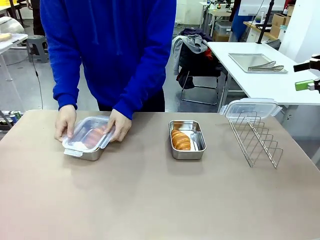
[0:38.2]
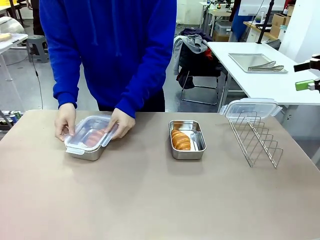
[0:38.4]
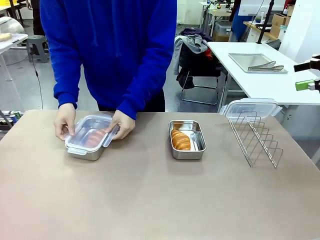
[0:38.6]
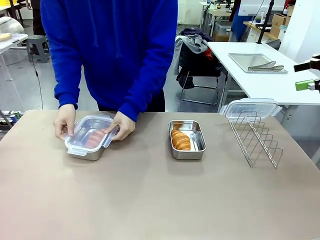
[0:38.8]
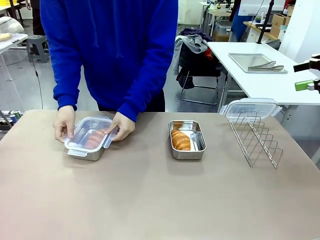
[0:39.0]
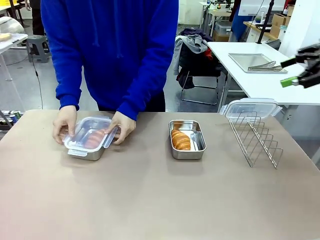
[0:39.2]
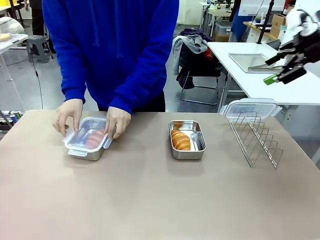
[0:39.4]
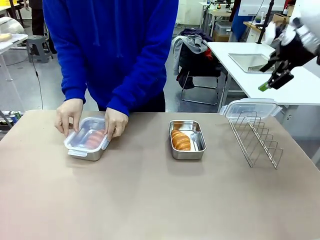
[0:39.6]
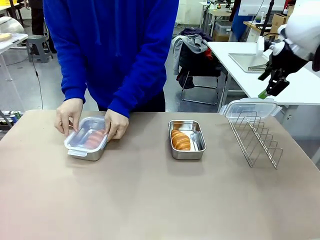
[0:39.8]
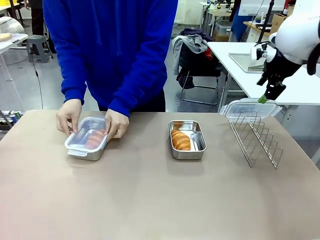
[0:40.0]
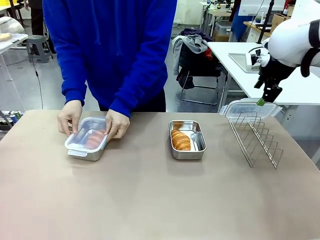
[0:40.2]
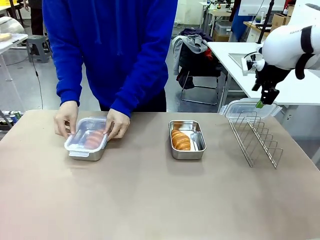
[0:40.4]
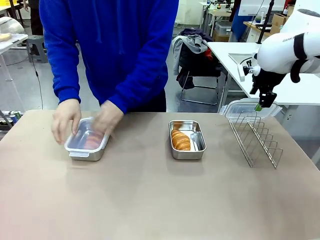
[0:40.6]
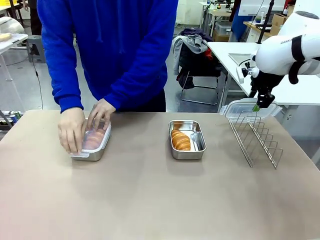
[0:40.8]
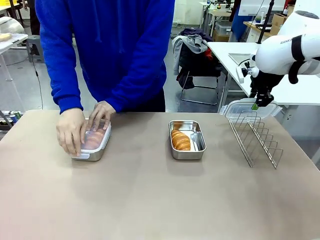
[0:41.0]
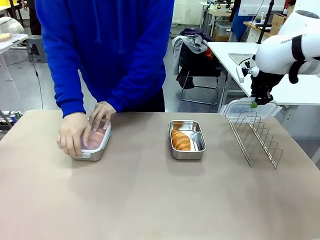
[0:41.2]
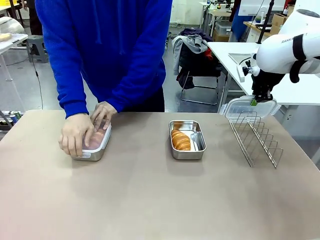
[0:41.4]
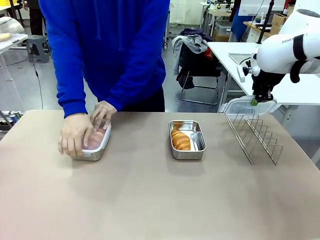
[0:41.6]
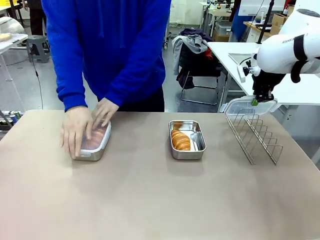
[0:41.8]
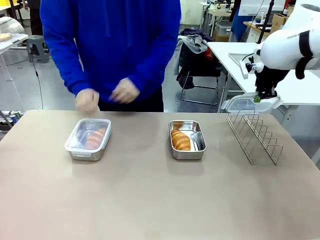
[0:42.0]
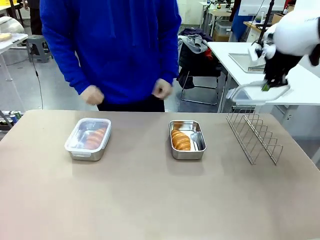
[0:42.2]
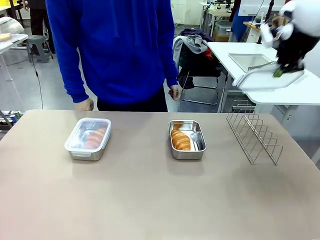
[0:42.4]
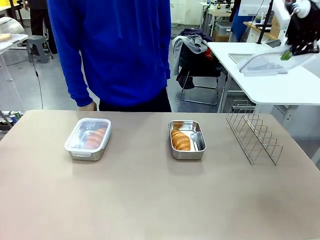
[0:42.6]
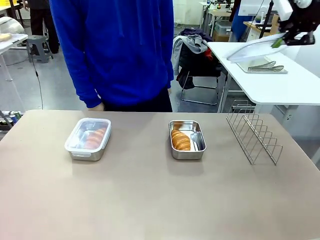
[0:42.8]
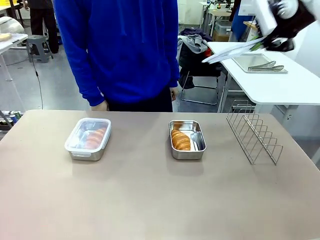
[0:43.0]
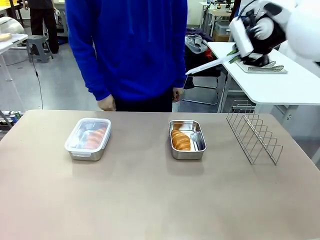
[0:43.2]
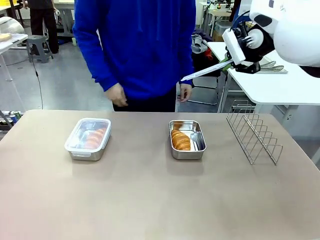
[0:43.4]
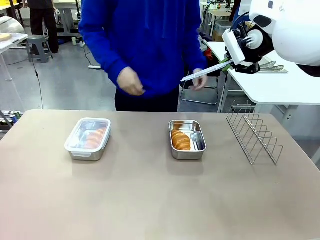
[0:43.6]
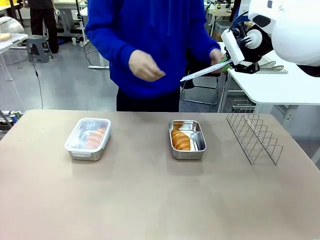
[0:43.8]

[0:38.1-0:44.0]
Task: Place the bread in airtight containers.
Robot: Pick up one Airtight Container lid and hand it to the human.
Person: Close Airtight Container with a handed Airtight Container lid. Grip Airtight Container lid that robot is handing.

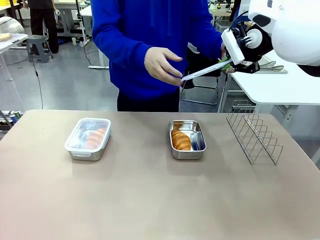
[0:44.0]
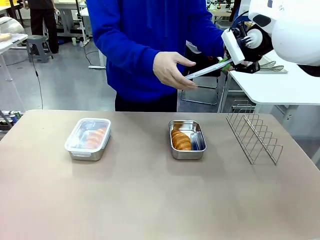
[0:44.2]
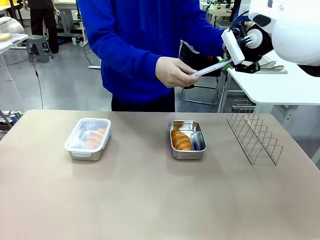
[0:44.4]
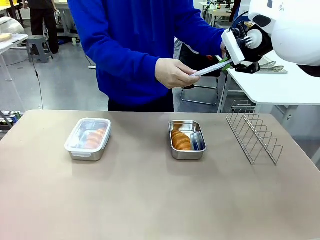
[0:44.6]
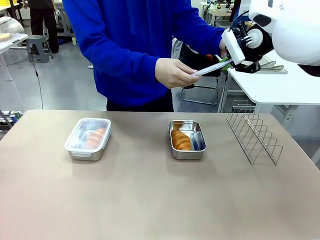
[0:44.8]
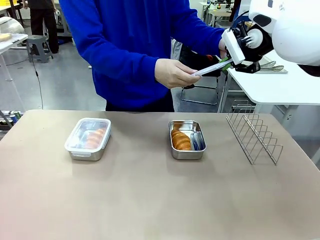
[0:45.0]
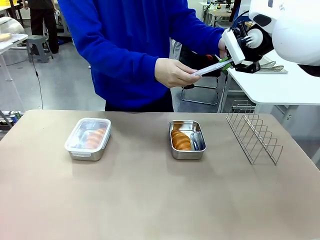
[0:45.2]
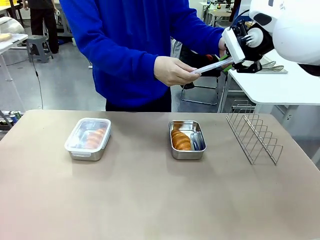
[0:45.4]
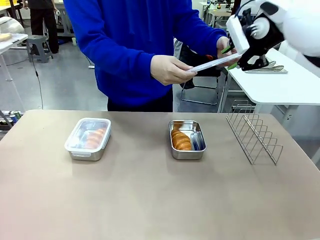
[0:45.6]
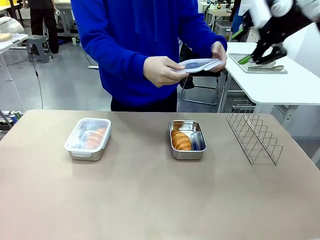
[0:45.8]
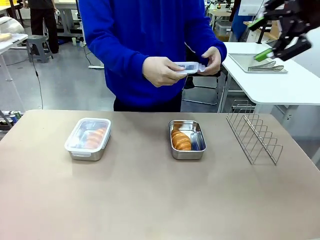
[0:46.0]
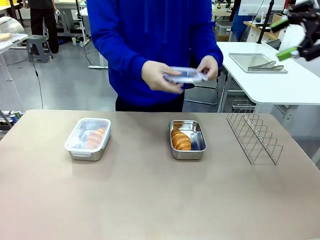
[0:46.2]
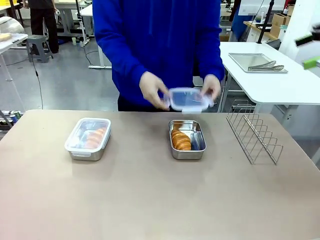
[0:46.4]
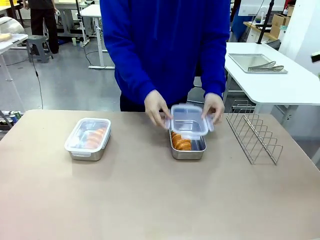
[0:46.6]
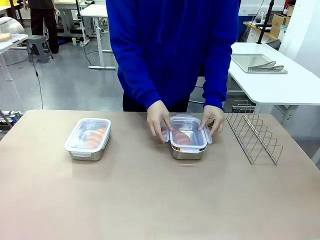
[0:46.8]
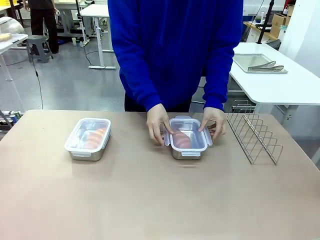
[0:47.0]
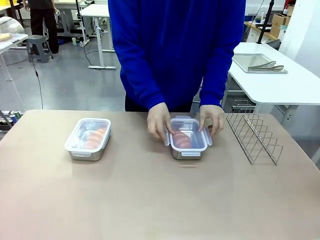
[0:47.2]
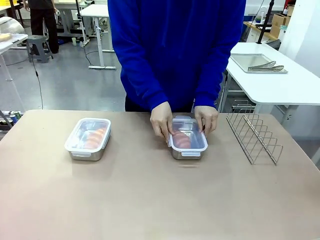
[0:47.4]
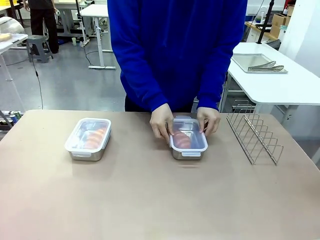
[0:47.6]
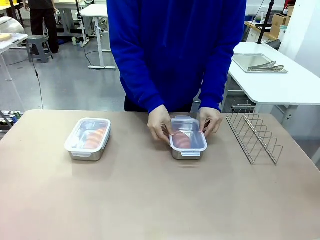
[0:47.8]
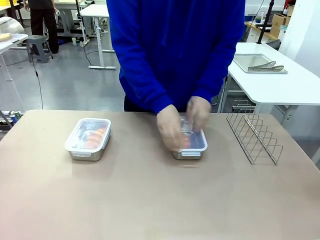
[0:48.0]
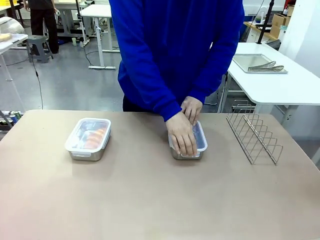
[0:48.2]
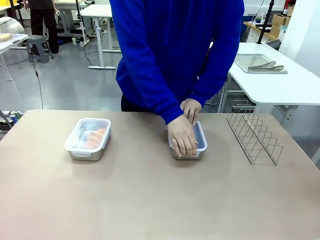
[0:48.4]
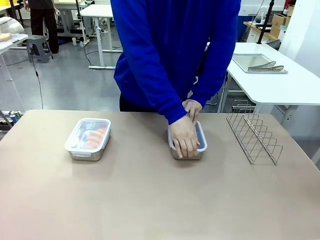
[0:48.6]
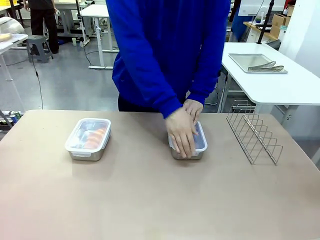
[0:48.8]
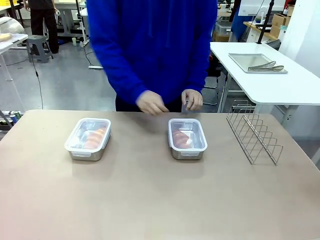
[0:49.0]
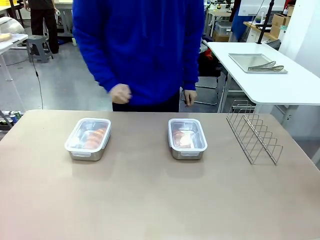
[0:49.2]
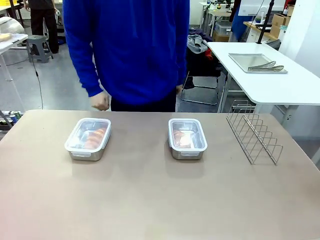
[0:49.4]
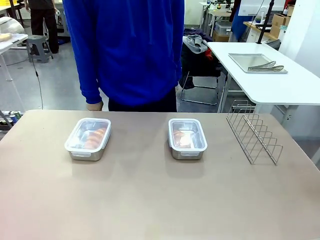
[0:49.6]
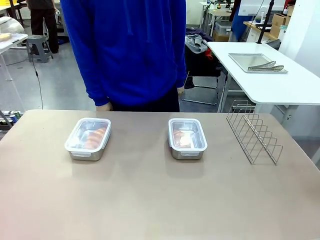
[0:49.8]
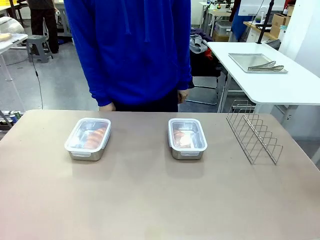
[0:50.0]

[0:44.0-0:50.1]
Robot: Release when the human grabs the Airtight Container lid.
Person: Close Airtight Container with a handed Airtight Container lid.

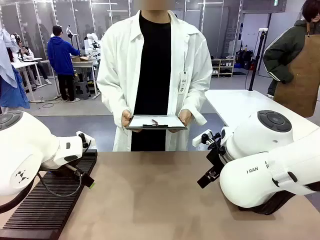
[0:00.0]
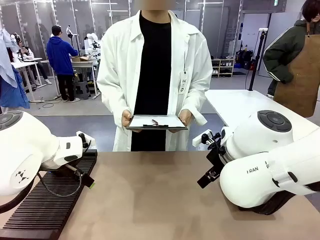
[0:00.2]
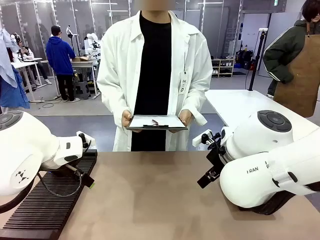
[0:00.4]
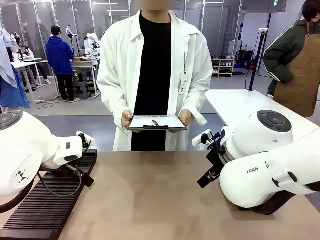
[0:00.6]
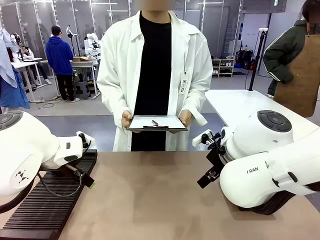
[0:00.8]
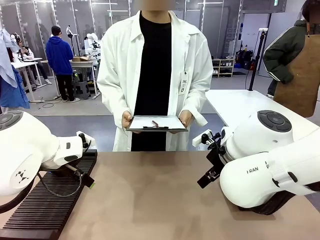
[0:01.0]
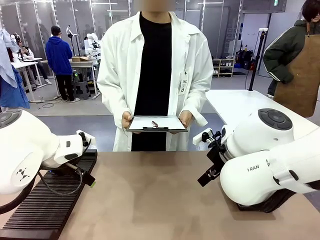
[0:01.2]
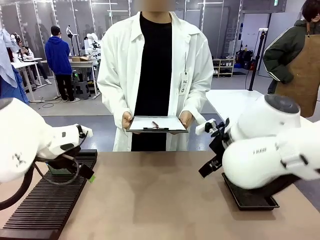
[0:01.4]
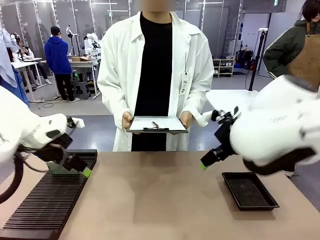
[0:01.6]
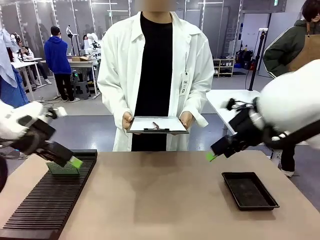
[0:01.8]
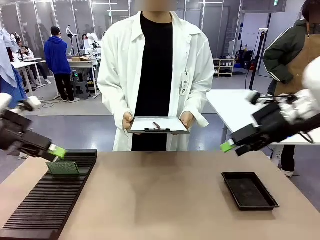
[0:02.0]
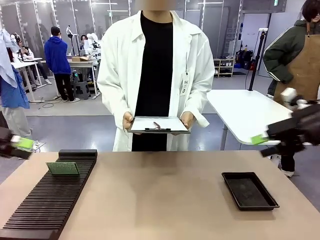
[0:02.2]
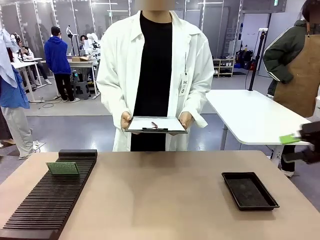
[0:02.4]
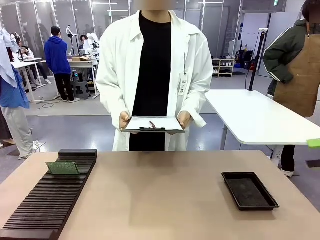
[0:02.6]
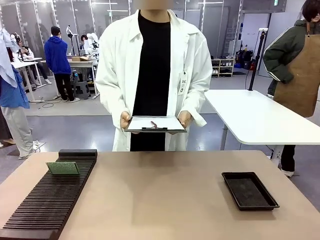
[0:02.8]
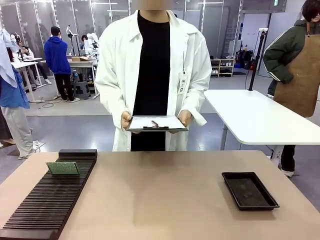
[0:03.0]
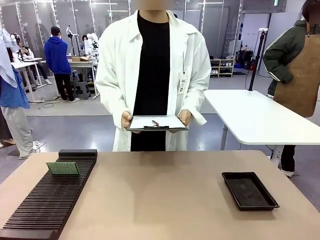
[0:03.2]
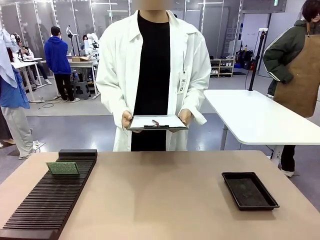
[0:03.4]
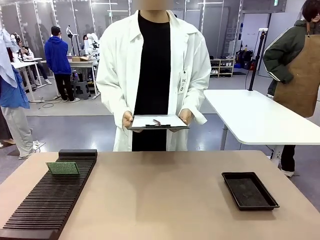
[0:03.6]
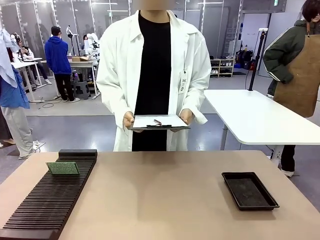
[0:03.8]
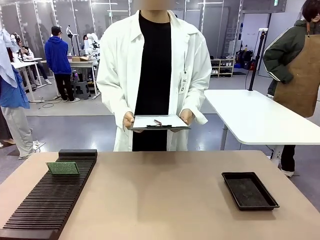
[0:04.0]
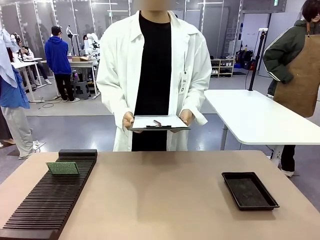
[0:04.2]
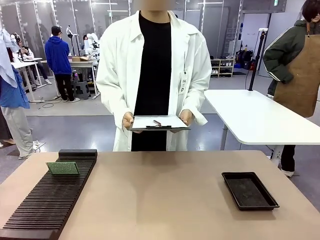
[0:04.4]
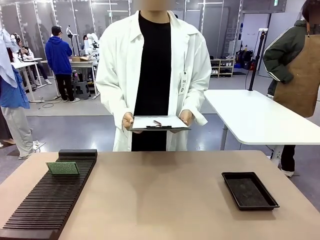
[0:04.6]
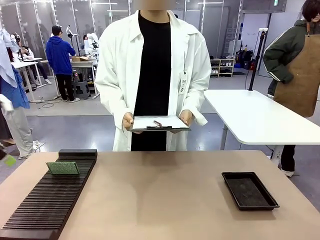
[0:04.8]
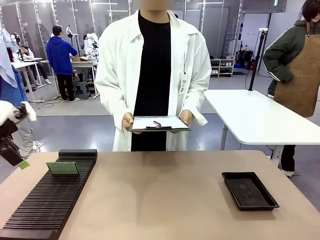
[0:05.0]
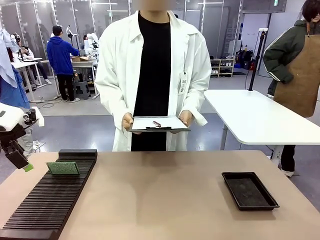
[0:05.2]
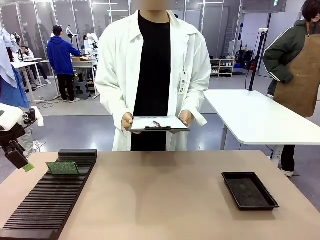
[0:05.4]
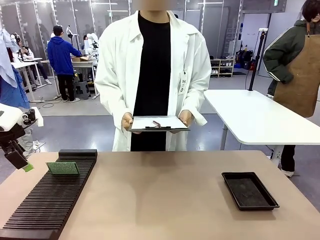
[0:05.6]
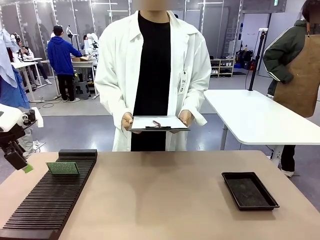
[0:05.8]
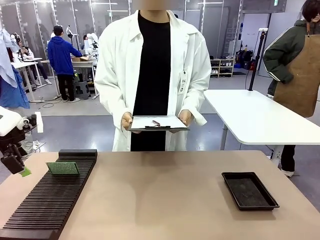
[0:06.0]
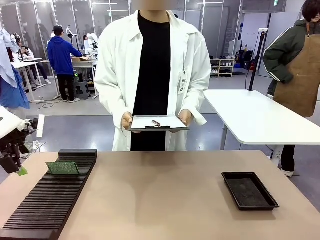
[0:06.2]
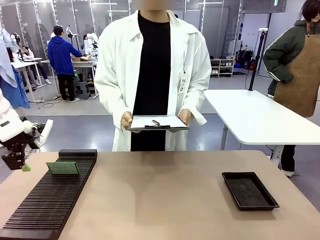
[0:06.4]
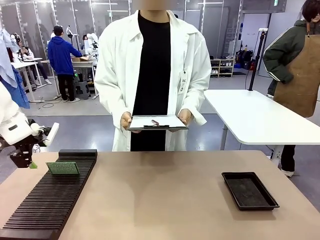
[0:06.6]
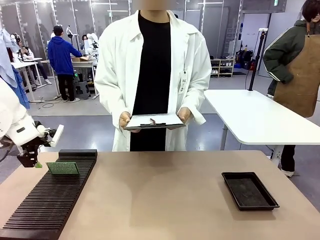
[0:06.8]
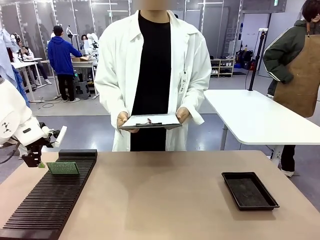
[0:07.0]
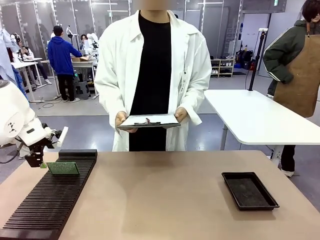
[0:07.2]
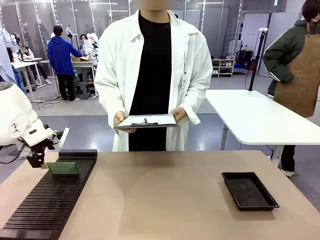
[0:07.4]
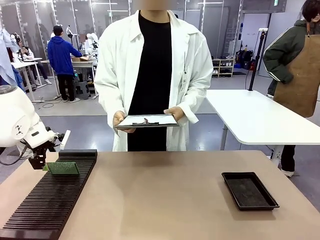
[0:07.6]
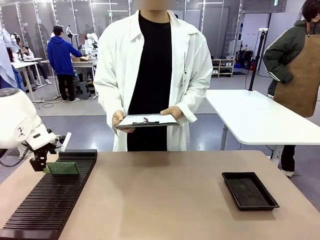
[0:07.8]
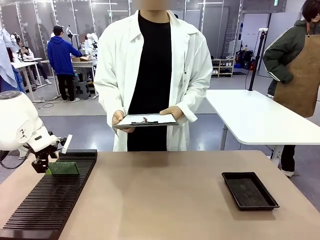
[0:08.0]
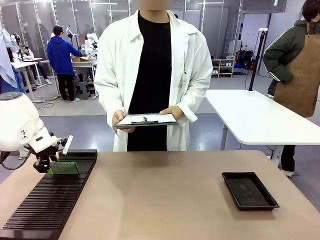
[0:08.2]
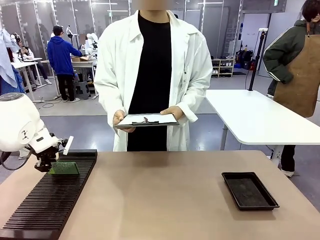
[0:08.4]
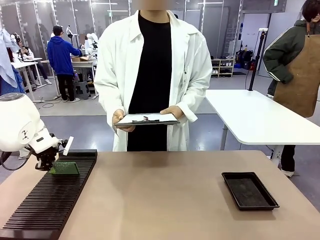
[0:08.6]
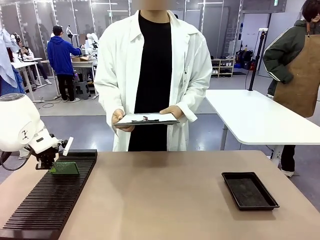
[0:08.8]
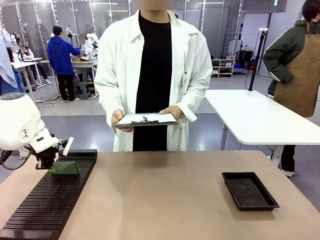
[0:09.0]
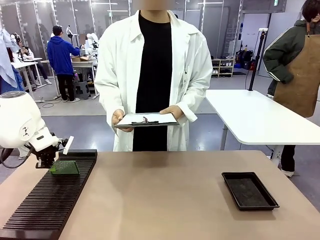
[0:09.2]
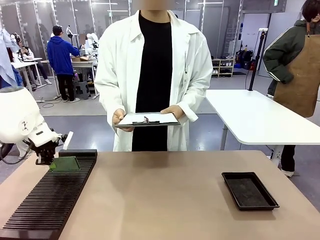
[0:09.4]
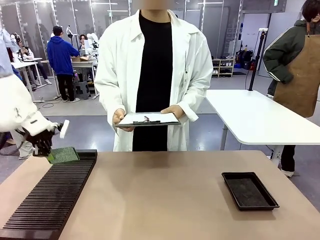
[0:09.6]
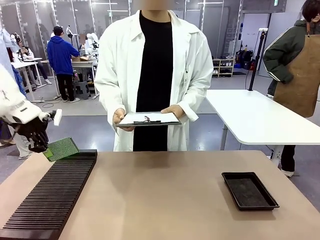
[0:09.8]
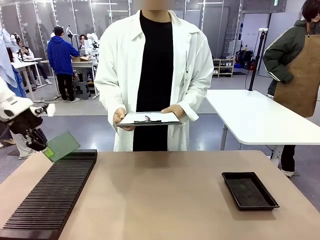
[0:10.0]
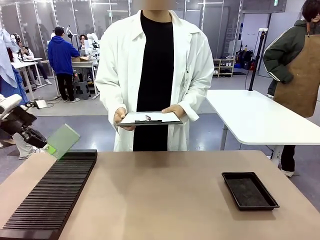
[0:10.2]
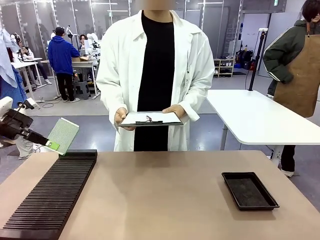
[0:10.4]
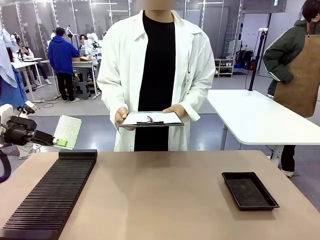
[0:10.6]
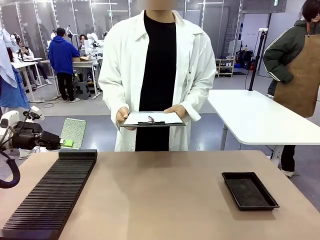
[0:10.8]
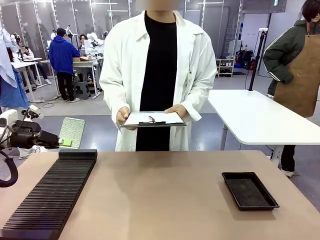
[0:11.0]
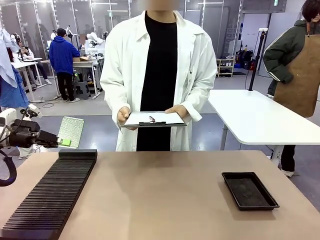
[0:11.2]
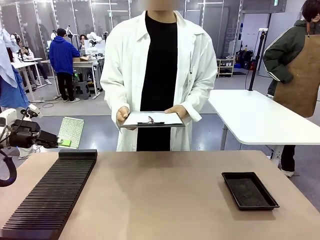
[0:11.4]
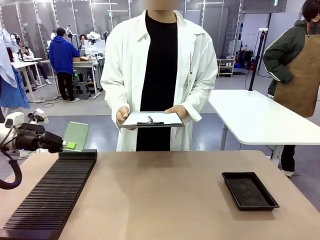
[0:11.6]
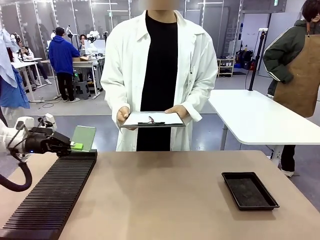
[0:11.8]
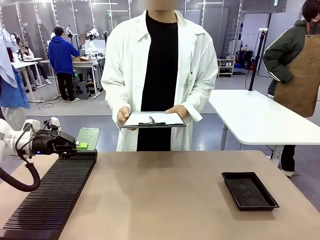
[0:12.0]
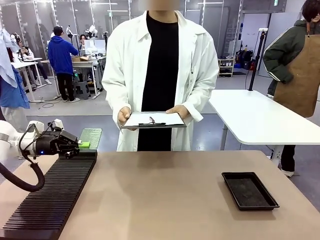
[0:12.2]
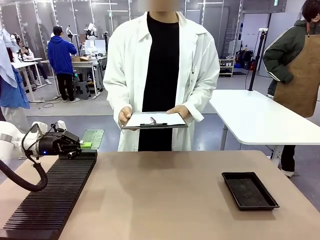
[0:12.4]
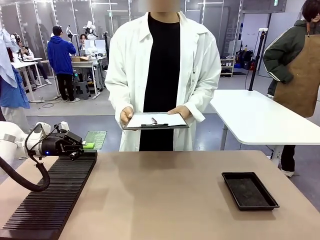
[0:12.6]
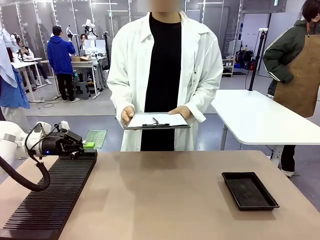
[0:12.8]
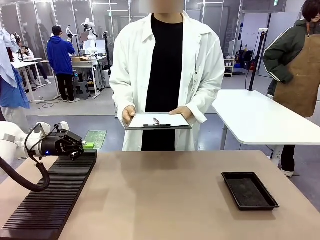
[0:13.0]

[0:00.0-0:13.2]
Task: Inspect the PCB.
Robot: Pick up the Blank PCB and present it to the human.
Person: Pick up the PCB presented by the robot.
